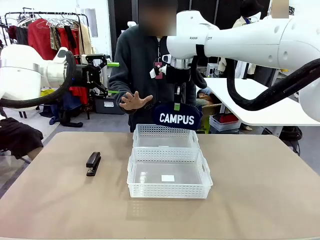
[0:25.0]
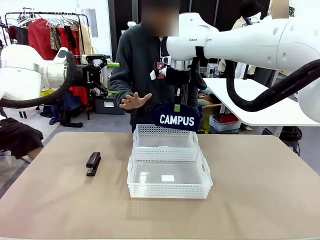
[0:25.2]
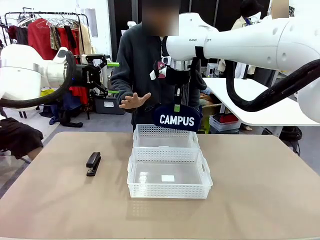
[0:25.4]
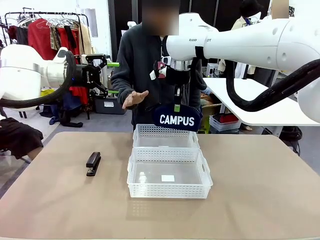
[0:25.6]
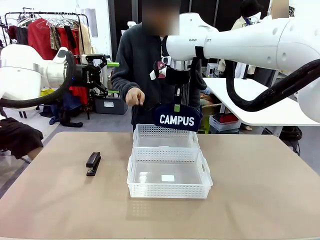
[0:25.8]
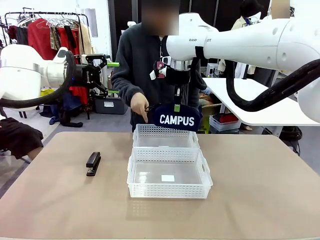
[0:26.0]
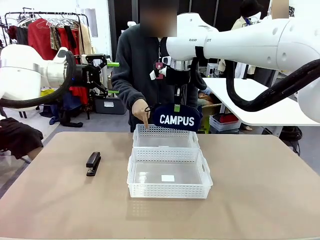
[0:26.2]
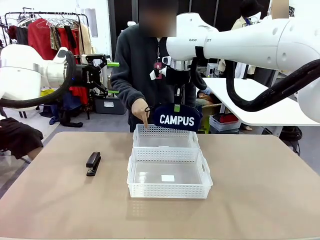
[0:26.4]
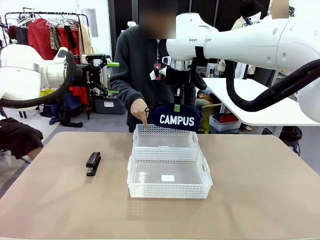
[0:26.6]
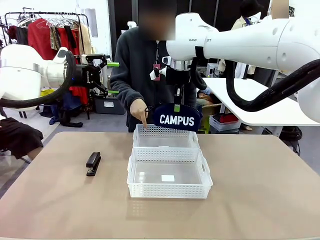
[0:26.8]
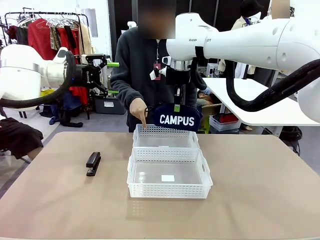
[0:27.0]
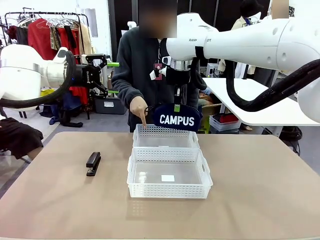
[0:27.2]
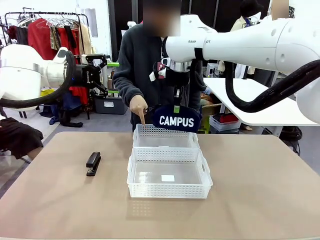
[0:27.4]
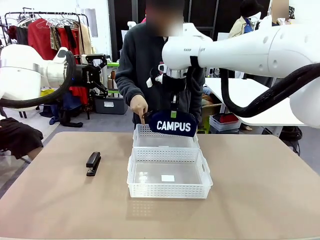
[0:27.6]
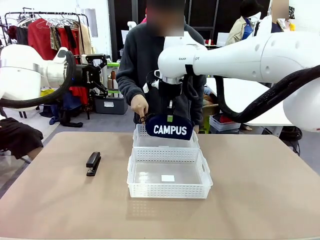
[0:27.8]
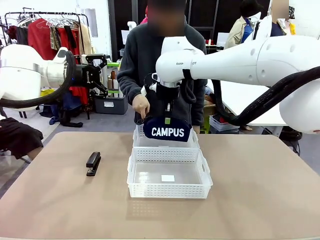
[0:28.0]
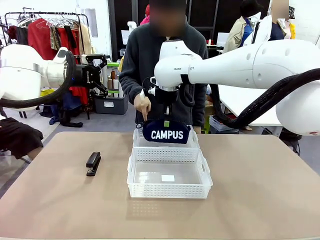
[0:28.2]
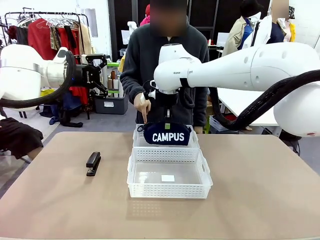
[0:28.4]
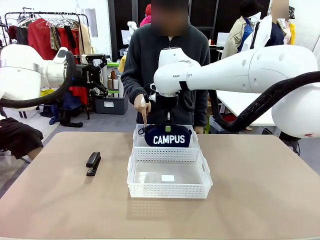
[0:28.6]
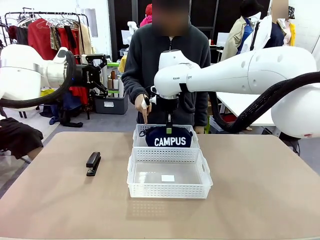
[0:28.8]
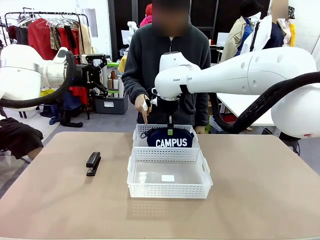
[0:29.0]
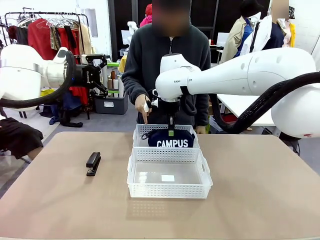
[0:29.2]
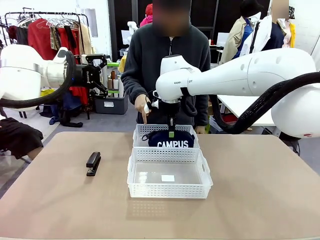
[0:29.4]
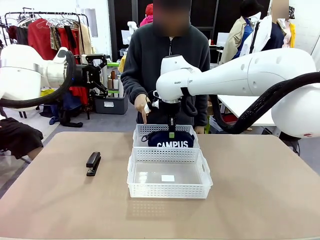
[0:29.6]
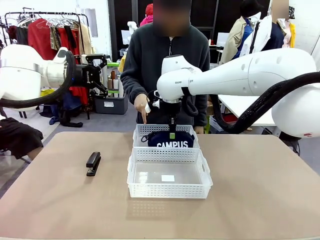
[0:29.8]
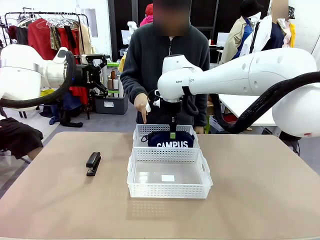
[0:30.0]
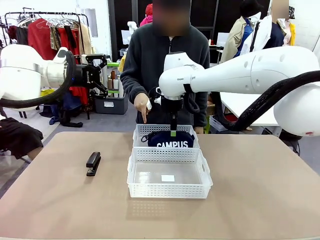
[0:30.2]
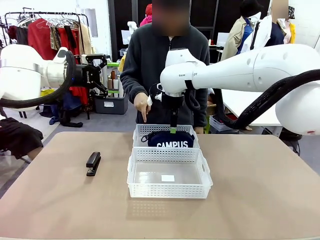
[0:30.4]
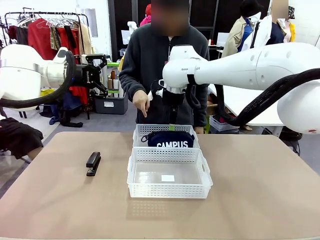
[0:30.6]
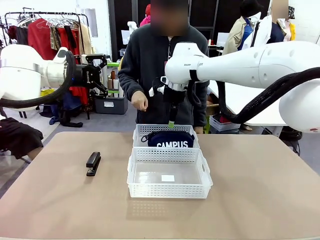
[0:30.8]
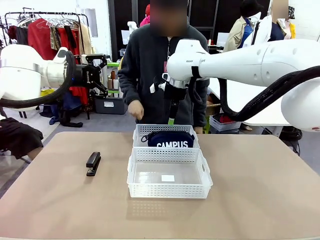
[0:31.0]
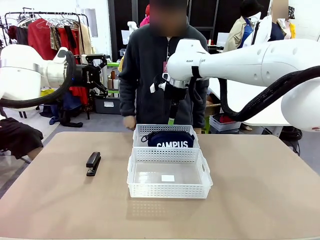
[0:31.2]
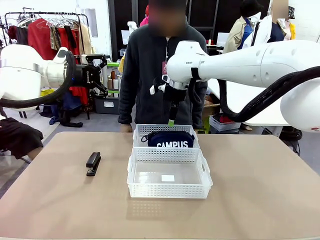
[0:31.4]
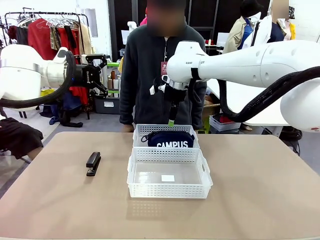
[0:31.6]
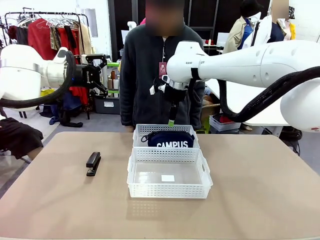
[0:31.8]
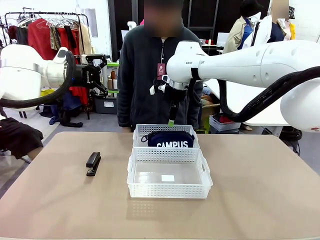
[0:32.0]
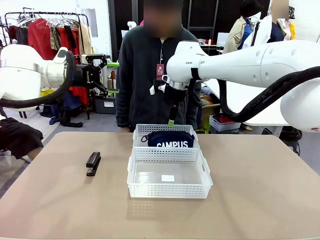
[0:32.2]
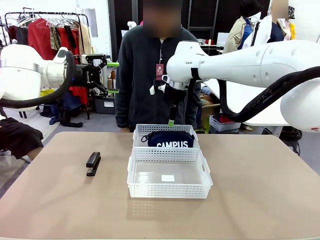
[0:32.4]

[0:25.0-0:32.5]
Task: Distribute items into two baskets.
Robot: Place the picked Pencil pouch into the Organizing basket as instructed by the person.
Person: Instructs the robot to place the pencil case into the opposite basket.

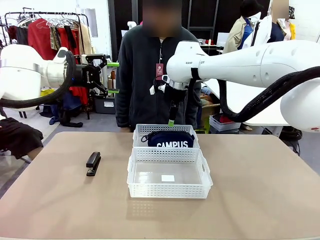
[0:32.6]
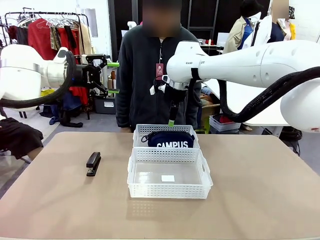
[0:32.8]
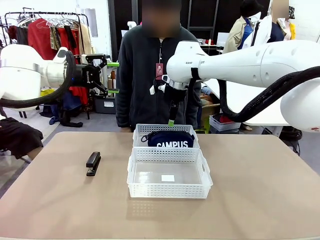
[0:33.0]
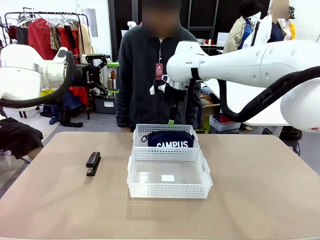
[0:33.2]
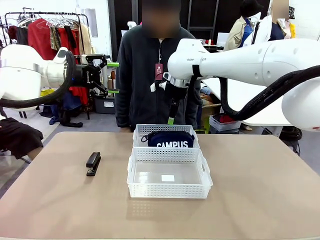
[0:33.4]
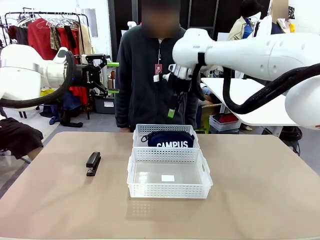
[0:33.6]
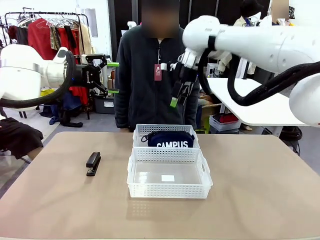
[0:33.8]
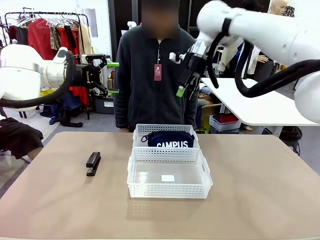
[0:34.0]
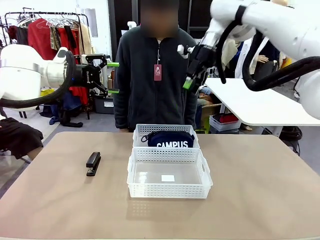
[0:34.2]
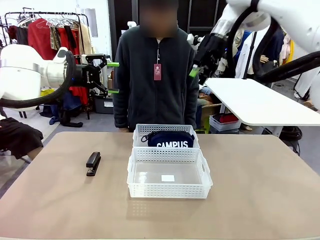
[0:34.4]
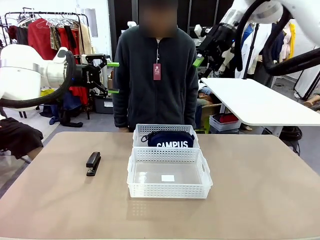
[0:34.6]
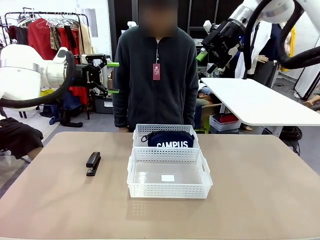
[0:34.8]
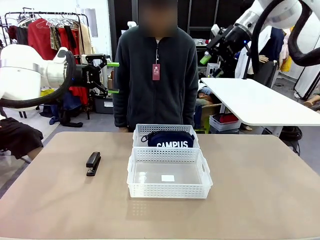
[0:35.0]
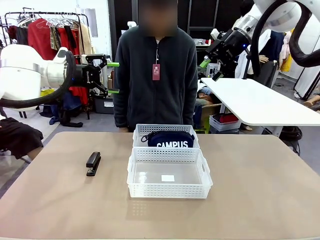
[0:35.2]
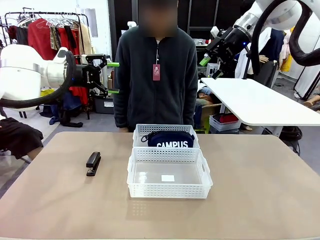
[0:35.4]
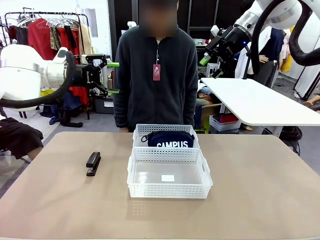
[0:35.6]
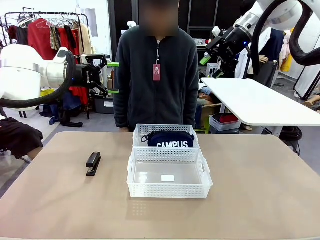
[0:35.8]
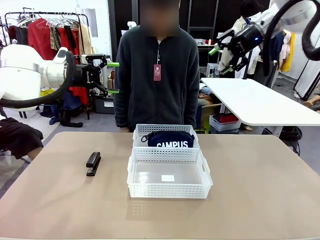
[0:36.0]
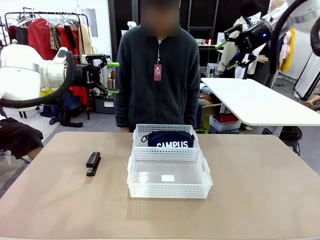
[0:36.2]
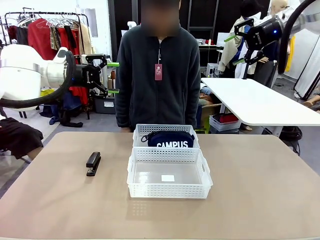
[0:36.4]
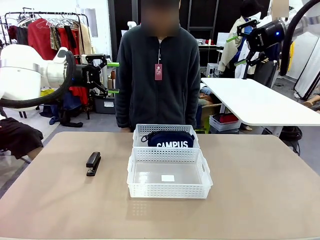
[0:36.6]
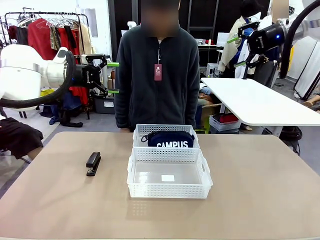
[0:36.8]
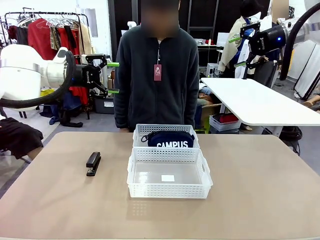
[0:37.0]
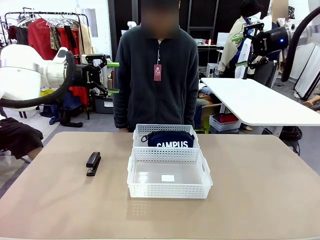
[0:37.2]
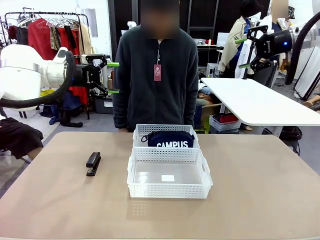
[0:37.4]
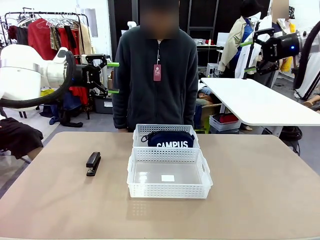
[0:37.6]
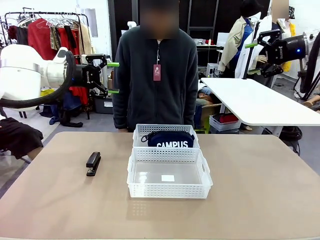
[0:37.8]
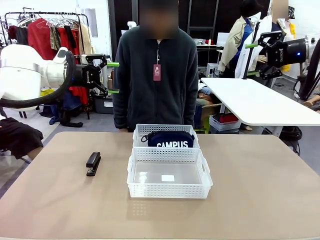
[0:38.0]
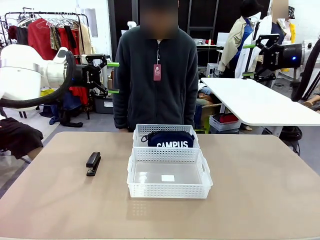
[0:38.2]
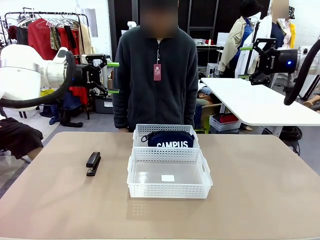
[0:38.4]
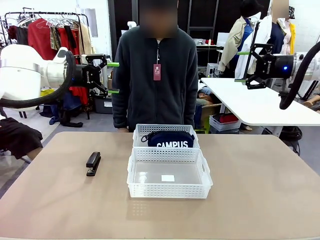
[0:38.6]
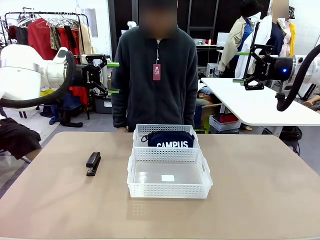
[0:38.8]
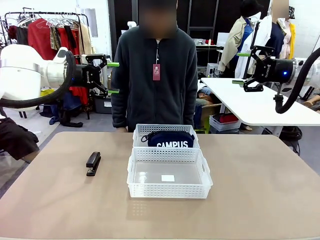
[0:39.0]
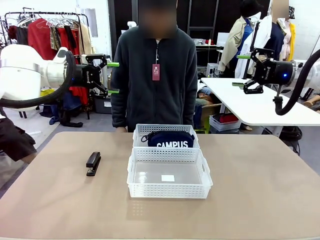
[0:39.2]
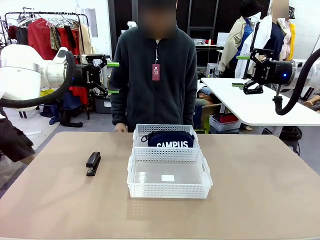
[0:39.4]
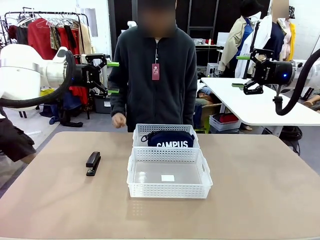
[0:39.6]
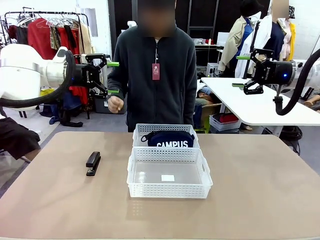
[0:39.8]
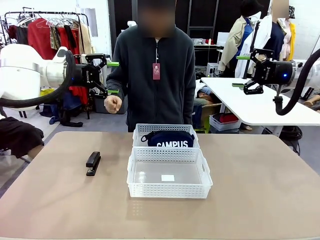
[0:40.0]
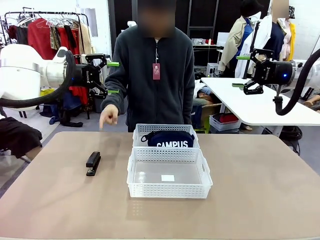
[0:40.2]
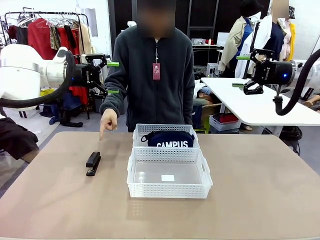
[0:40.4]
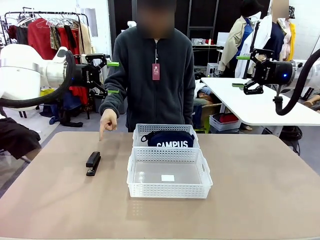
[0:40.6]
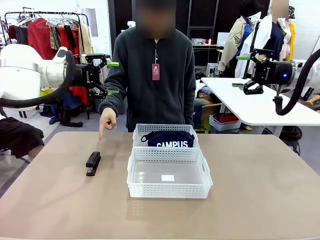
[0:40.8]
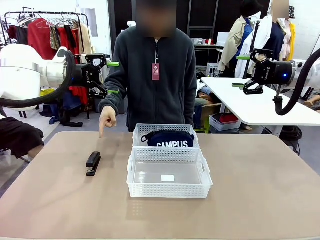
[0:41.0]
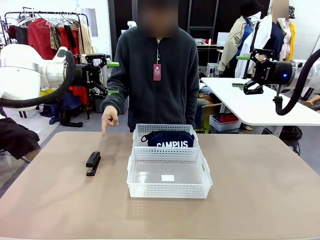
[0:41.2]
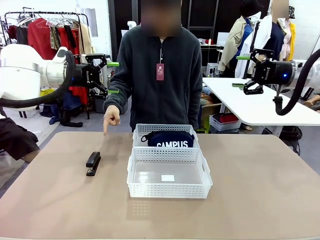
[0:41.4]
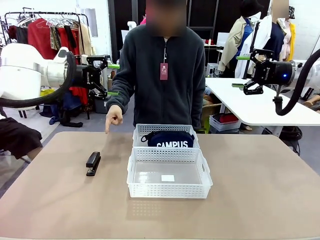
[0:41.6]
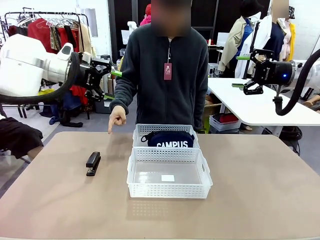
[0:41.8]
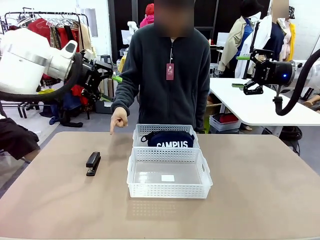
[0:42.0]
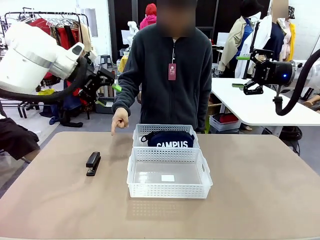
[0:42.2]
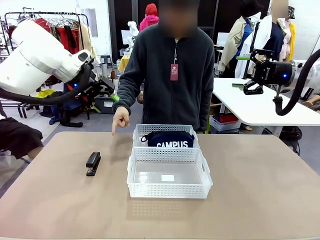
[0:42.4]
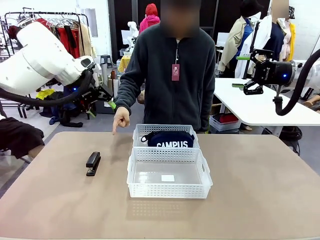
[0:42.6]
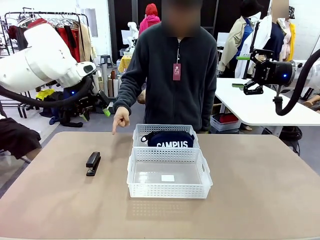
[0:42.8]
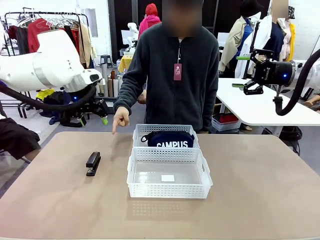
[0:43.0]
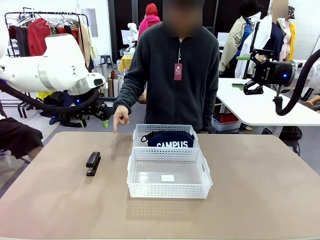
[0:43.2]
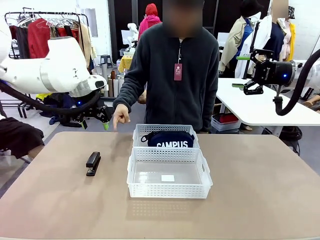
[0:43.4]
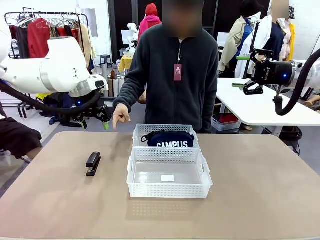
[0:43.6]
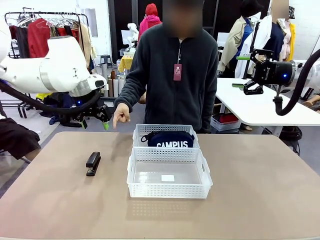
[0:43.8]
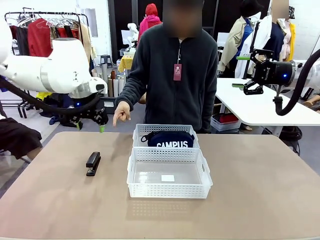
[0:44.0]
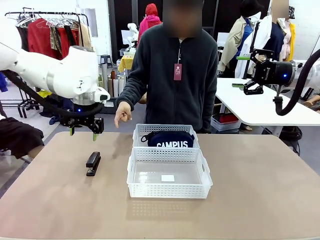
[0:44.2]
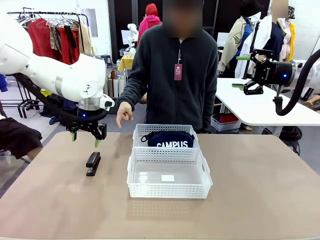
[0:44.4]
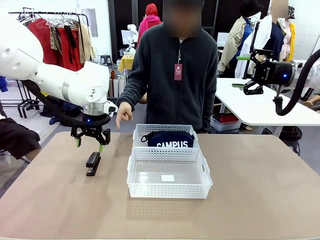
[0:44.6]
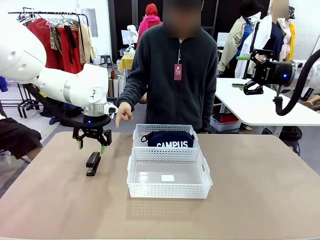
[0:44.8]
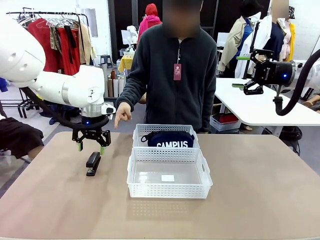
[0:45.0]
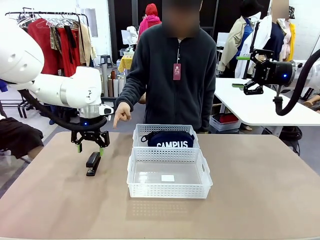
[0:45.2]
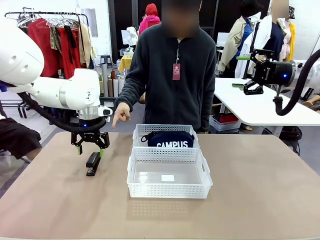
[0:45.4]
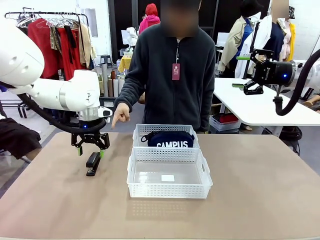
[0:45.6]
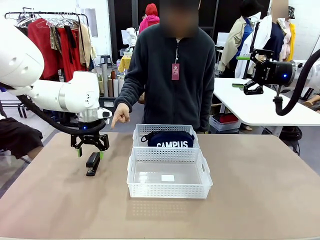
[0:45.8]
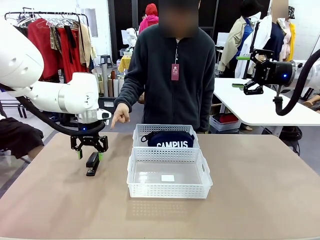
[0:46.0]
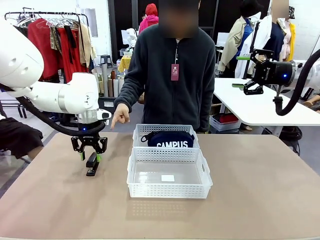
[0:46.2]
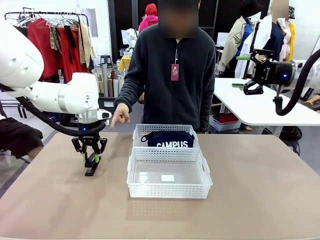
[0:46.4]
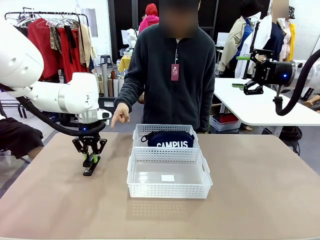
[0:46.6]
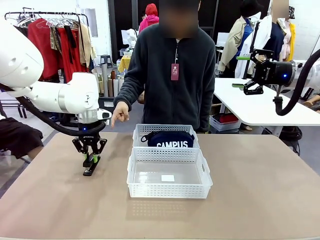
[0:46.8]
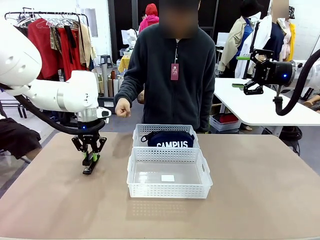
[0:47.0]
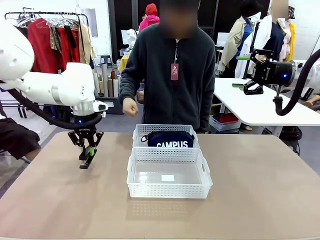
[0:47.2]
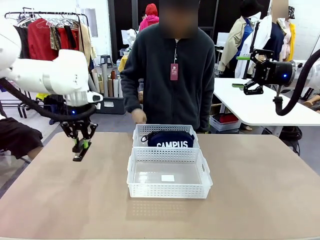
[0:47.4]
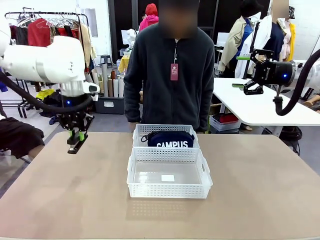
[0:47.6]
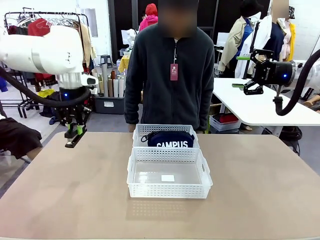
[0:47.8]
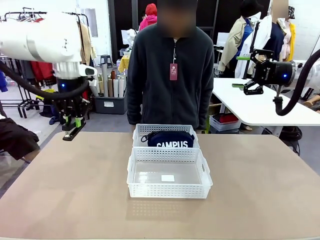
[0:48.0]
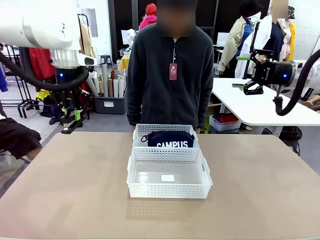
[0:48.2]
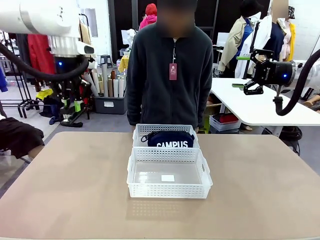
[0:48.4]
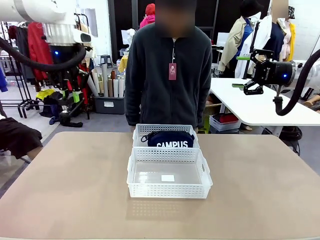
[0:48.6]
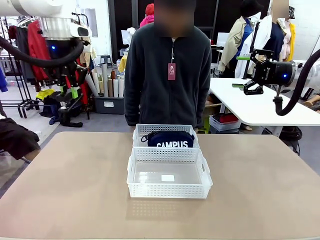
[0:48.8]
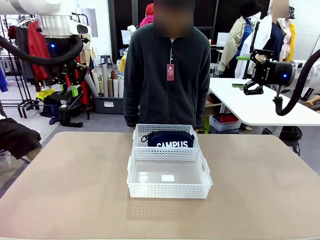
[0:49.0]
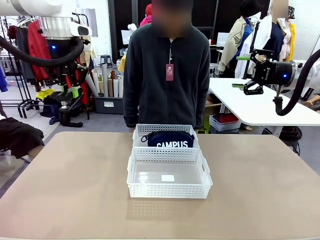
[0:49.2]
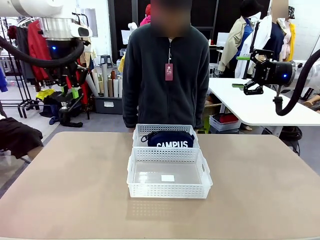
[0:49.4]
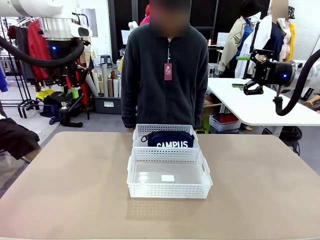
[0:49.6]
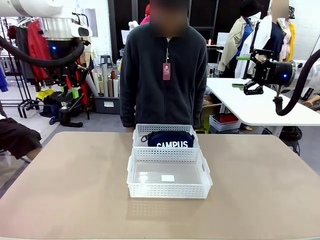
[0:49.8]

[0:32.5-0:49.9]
Robot: Pick up the Stapler that the person points to.
Person: Points to the stapler.
